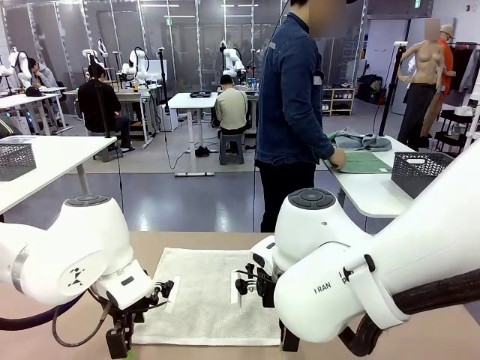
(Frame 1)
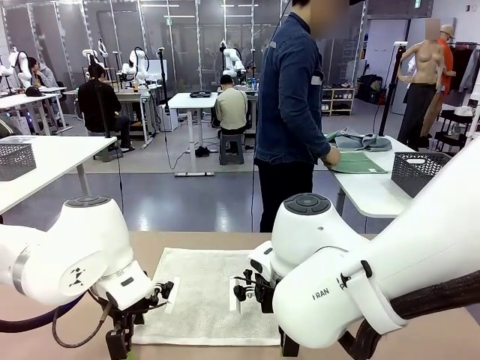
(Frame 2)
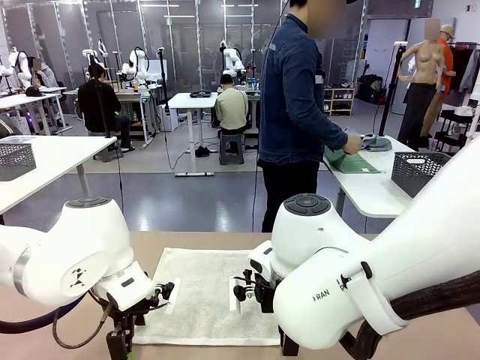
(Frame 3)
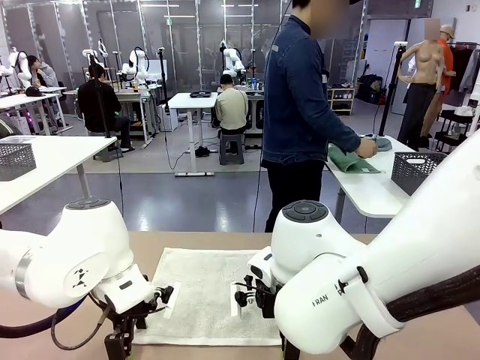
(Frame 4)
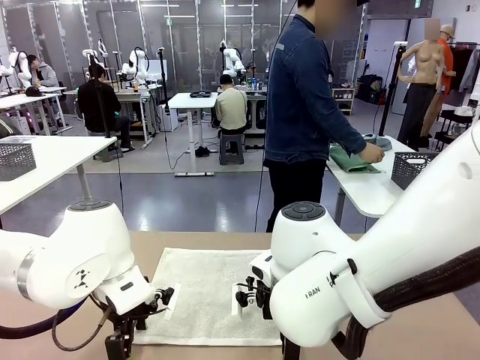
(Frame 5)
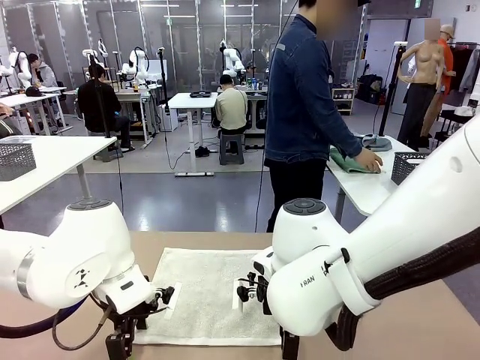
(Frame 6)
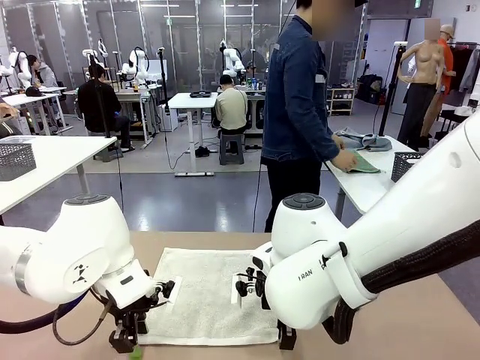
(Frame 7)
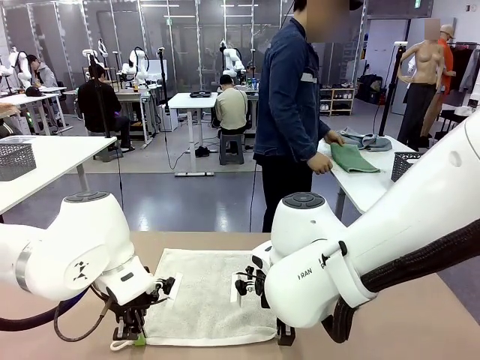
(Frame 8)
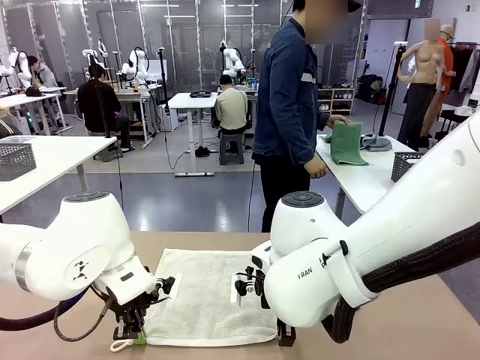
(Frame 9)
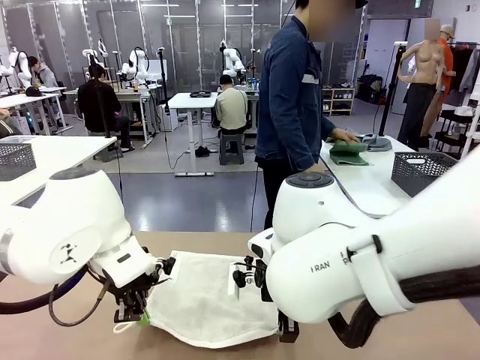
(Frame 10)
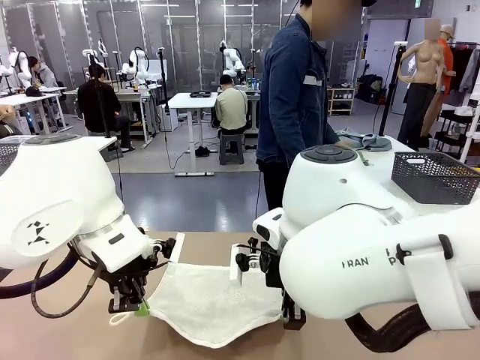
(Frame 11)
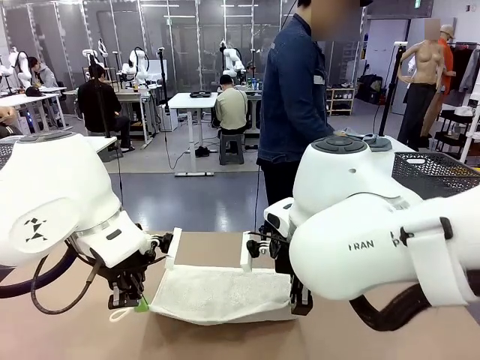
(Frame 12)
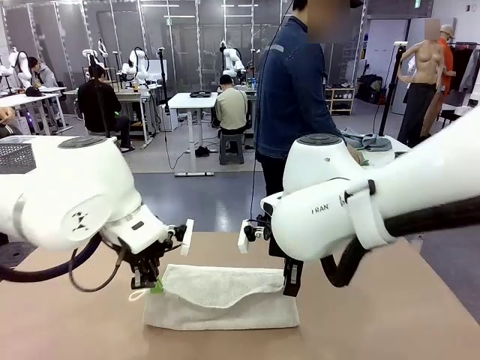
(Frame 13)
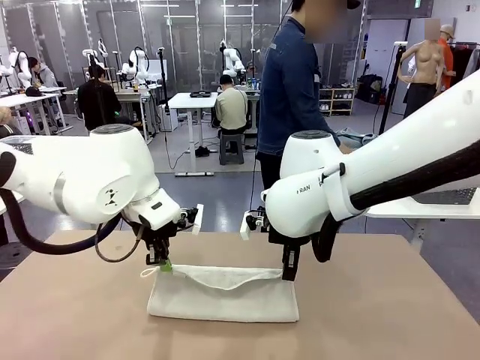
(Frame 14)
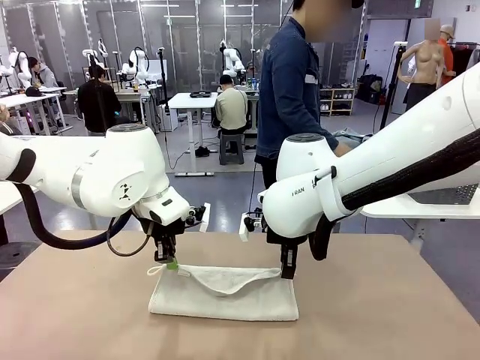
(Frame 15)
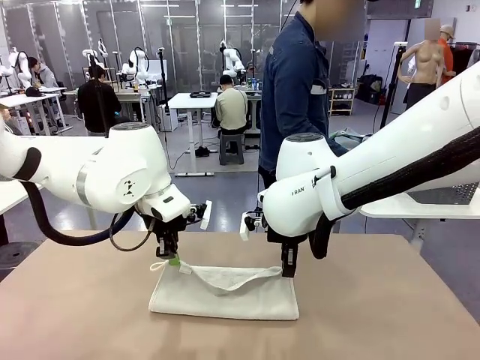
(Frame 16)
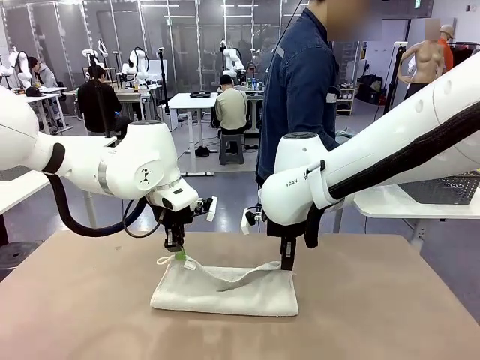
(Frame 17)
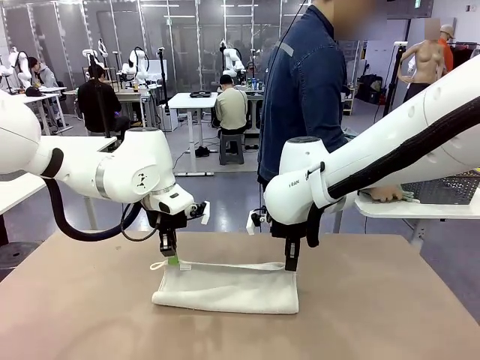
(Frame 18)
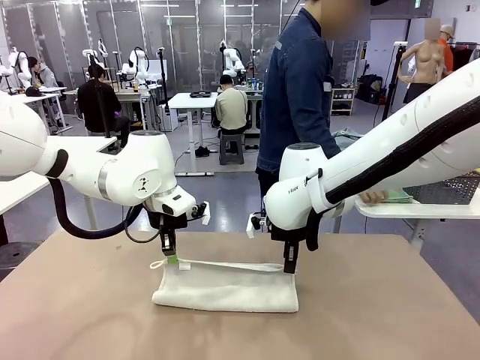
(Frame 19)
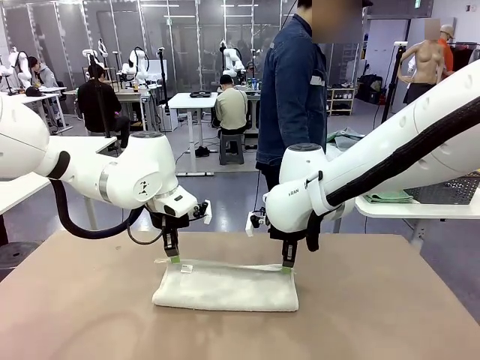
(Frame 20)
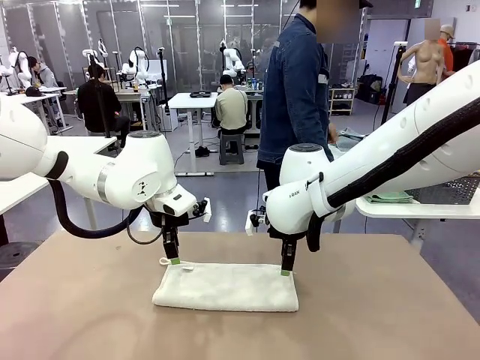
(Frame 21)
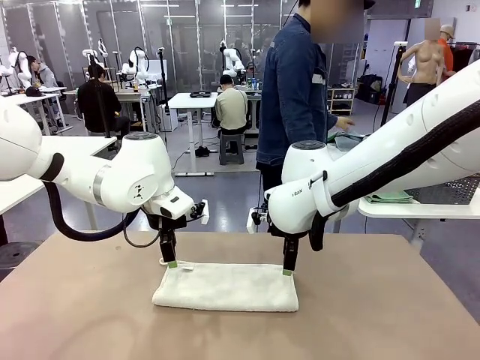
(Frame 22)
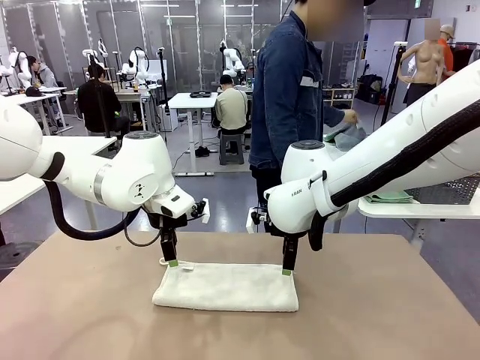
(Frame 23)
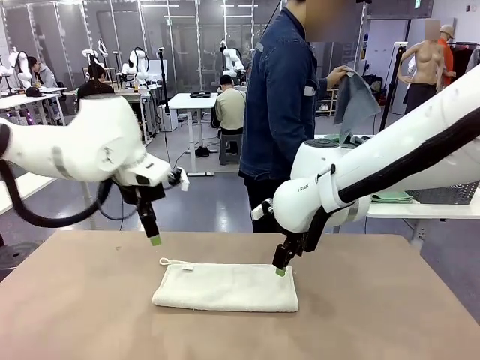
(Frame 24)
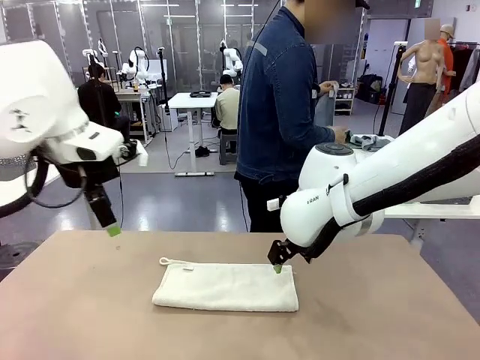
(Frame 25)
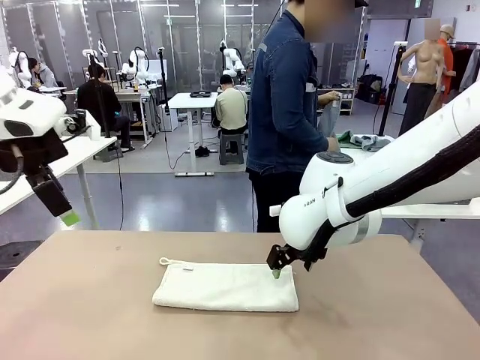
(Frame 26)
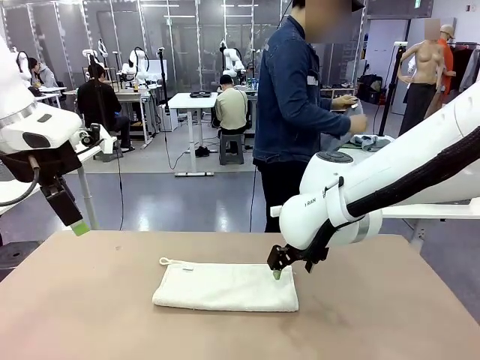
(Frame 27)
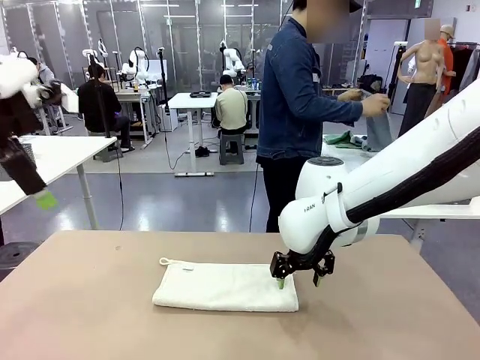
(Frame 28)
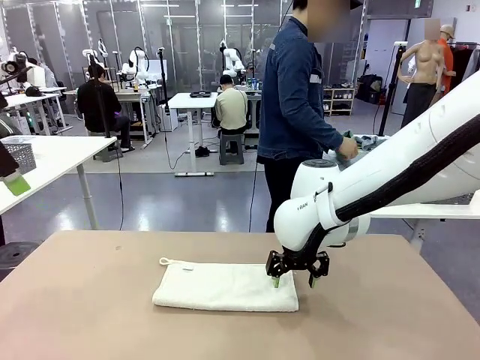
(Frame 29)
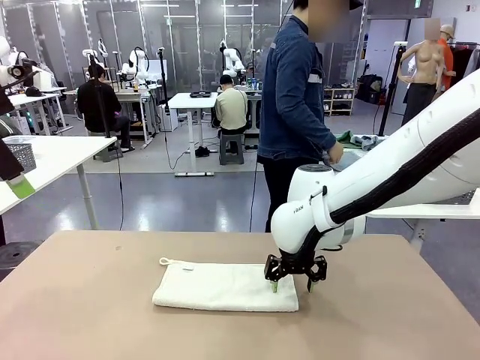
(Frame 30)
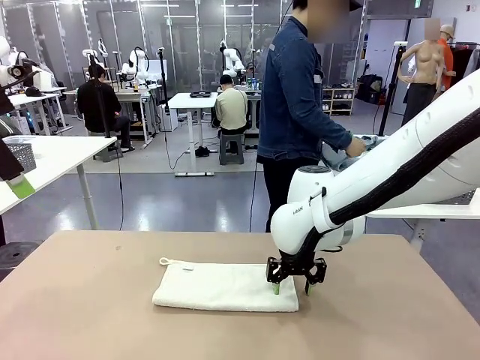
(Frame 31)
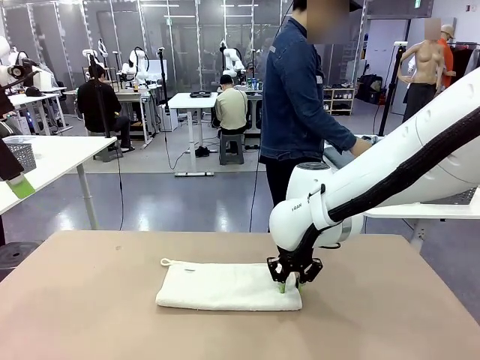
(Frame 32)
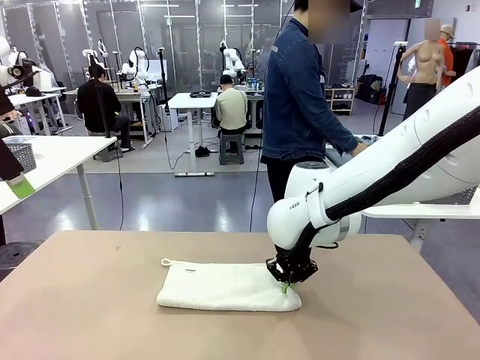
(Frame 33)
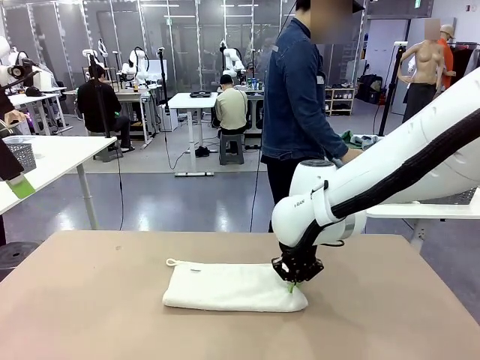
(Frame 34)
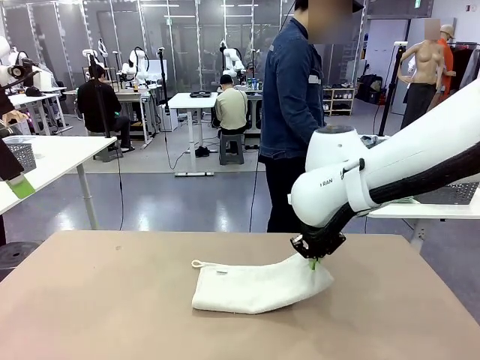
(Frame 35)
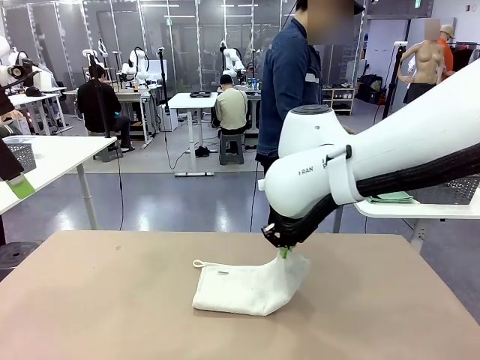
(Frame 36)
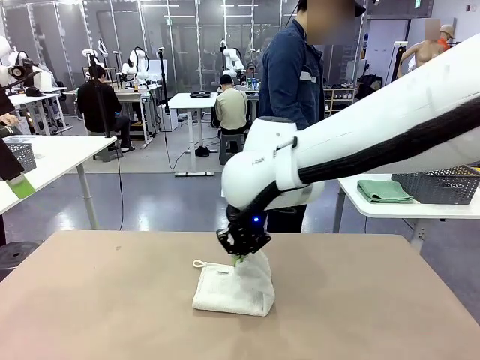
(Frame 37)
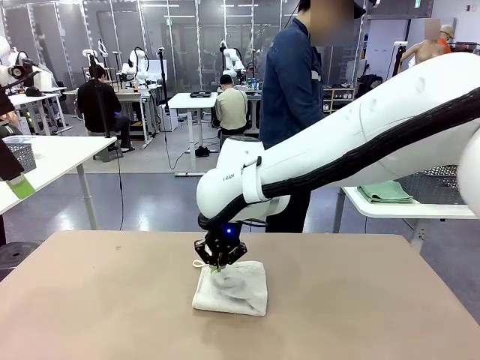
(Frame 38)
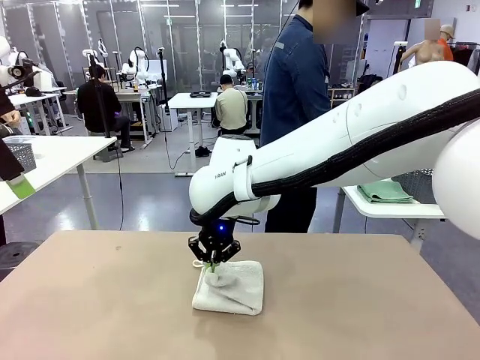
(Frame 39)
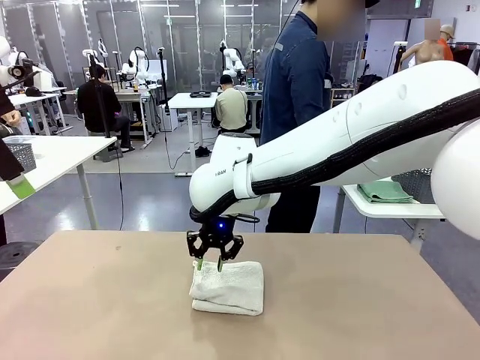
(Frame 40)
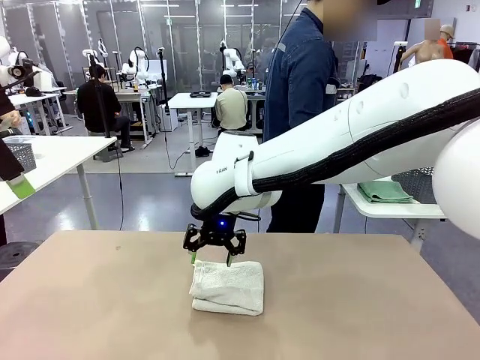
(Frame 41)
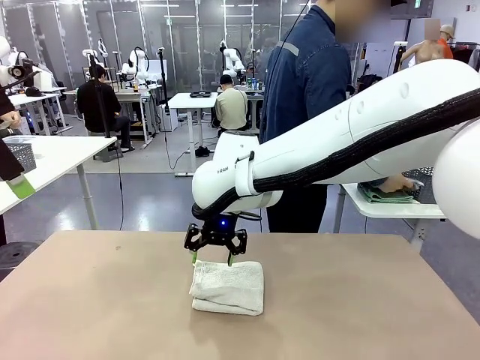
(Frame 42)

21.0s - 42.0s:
Task: Fold the towels and place them in the basket.
Robot: When a person lays out a Towel with hook on the table, fold it in half twice.
Person: Pick up one towel from the left side of the human table, fold it in half twice, and place it on the right side of the table. Pick up one towel from the left side of the human table, fold it in half twice, and stack it on the right side of the table.

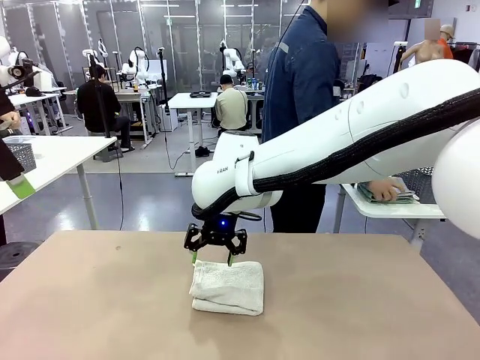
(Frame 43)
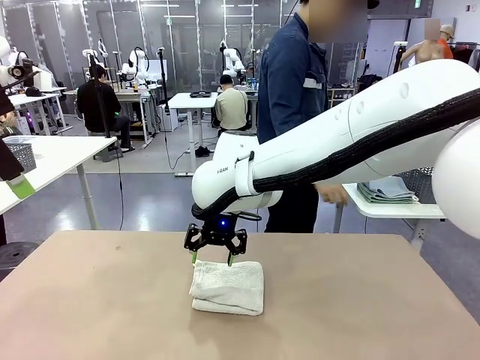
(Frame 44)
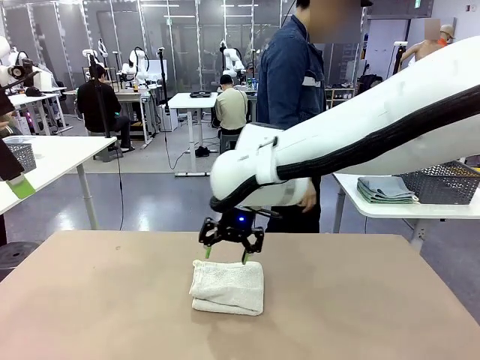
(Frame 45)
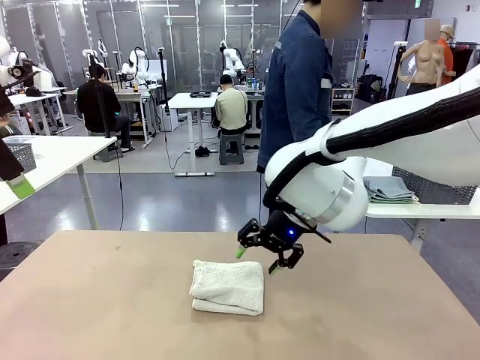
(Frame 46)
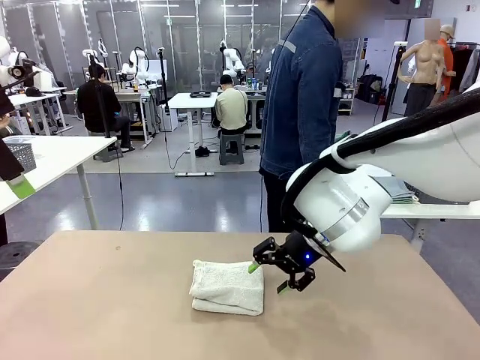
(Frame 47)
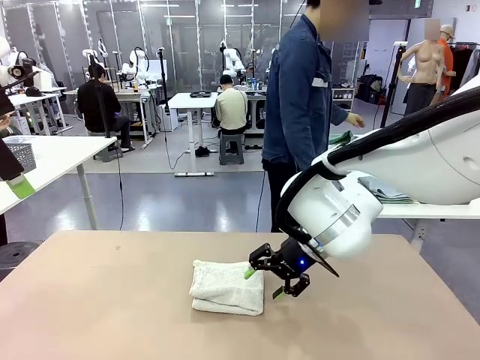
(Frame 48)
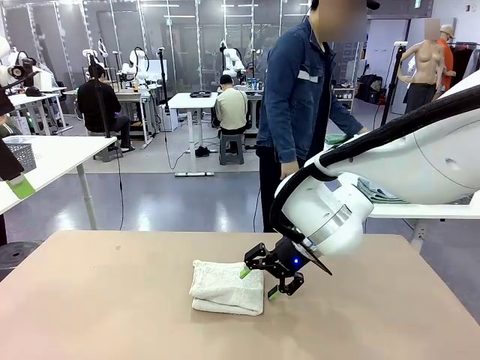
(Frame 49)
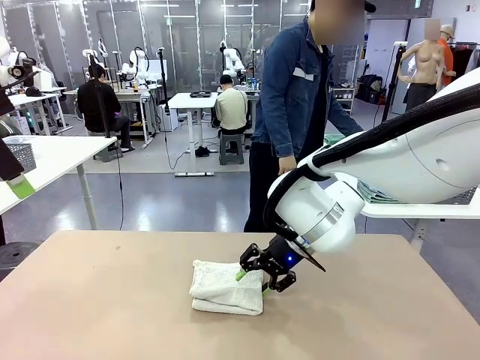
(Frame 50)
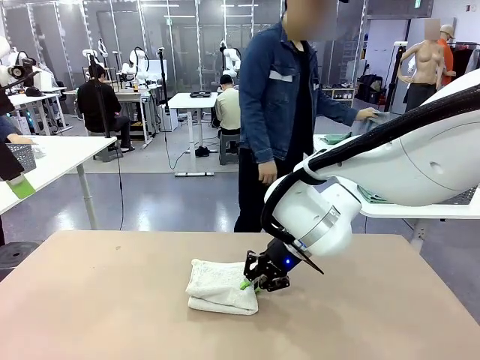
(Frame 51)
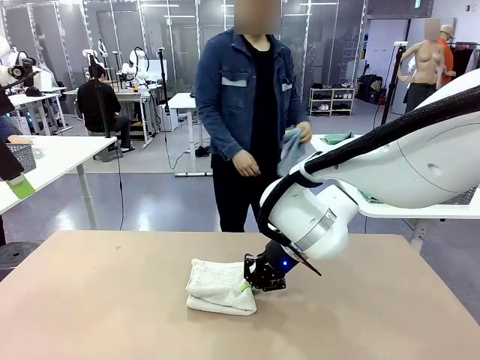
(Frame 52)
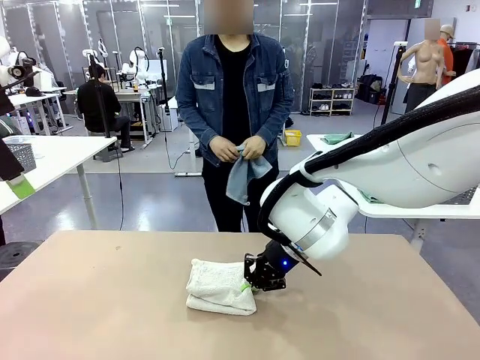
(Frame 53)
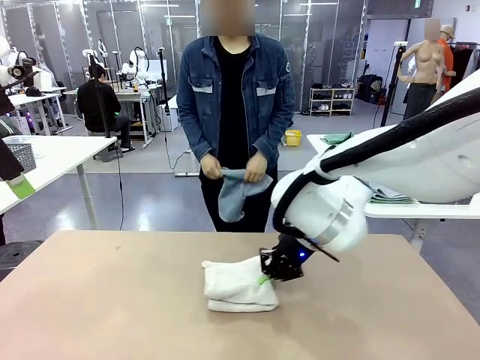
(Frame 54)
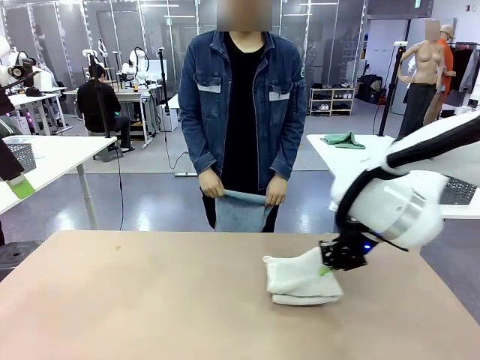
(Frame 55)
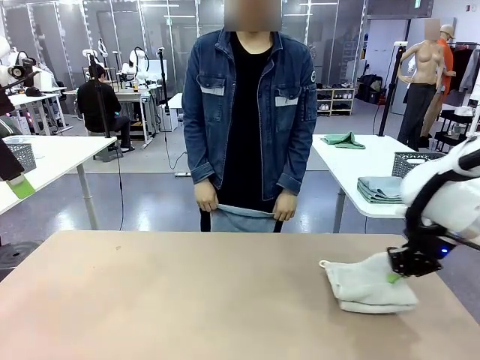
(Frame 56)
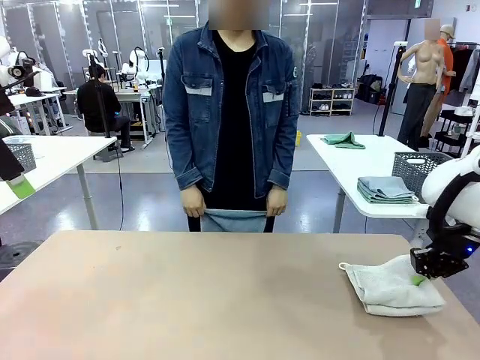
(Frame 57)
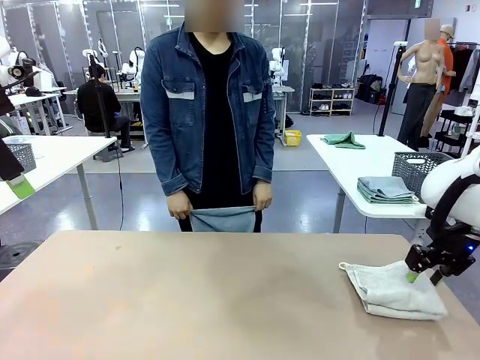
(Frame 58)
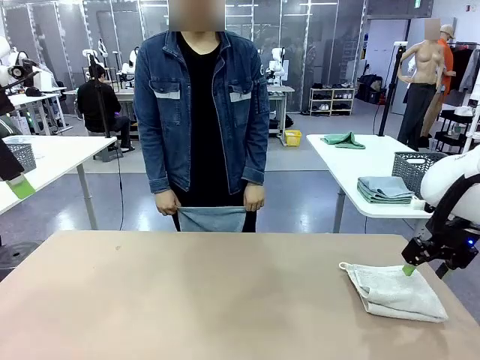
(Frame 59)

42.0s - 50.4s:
Robot: Place the folded Towel with hook on the right side of the table.
Person: Pick up one towel from the left side of the human table and spread it out at the center of the robot table.
